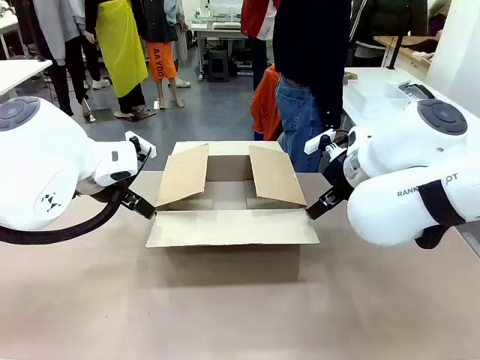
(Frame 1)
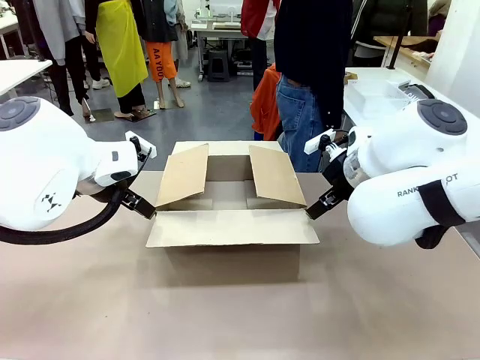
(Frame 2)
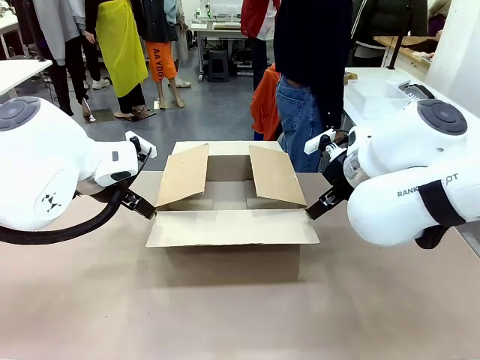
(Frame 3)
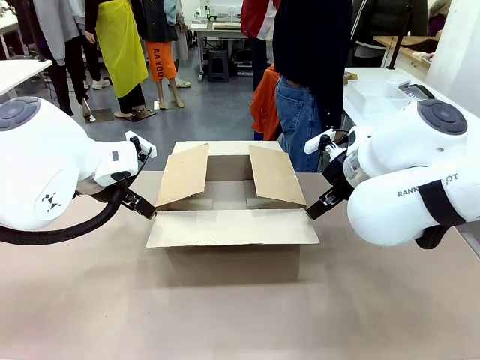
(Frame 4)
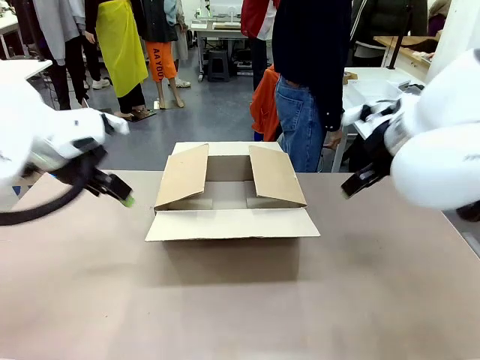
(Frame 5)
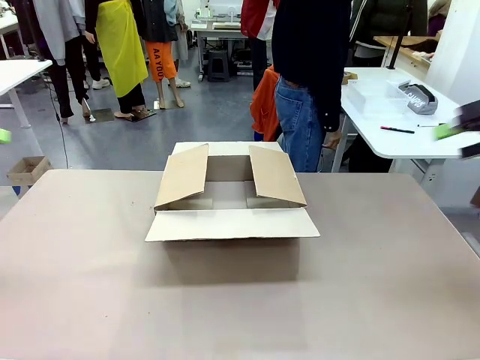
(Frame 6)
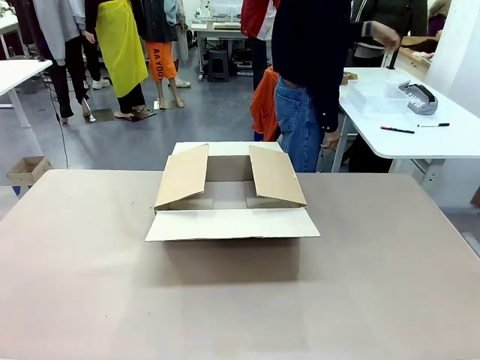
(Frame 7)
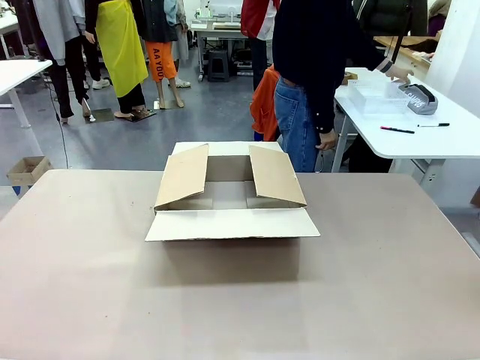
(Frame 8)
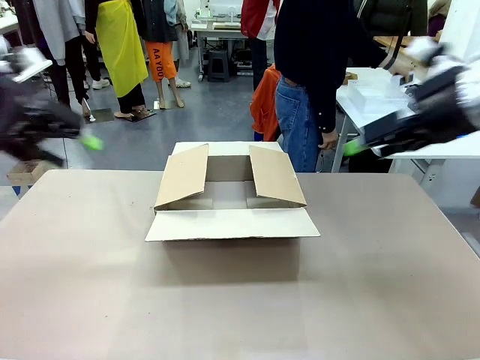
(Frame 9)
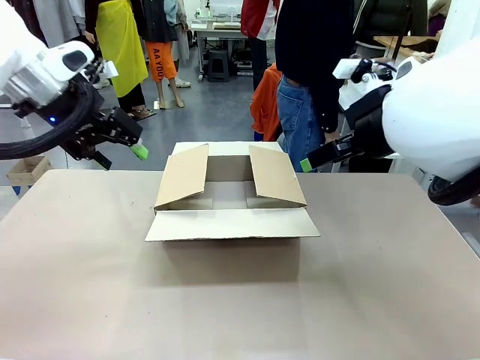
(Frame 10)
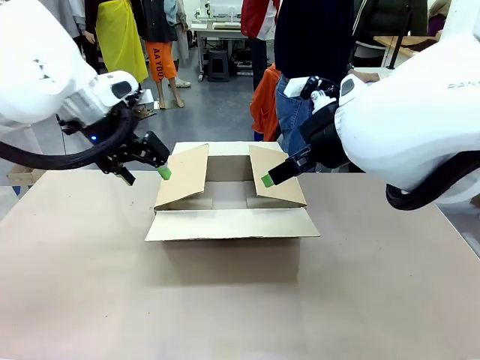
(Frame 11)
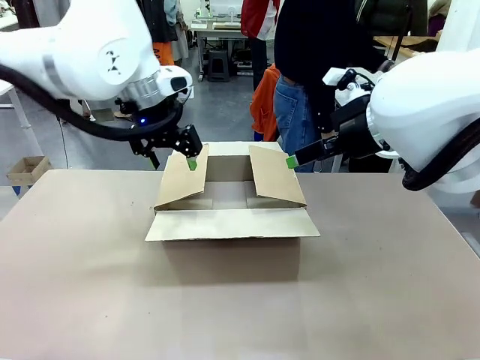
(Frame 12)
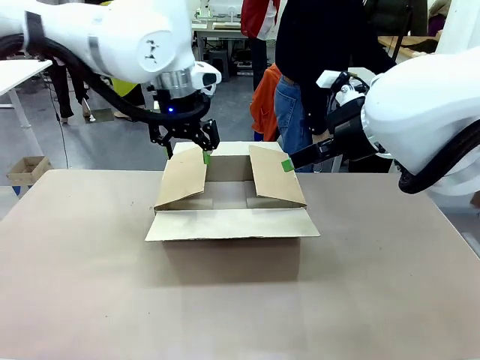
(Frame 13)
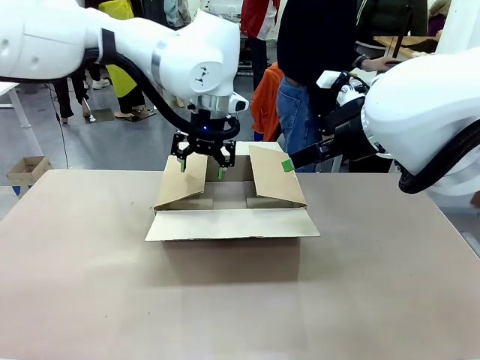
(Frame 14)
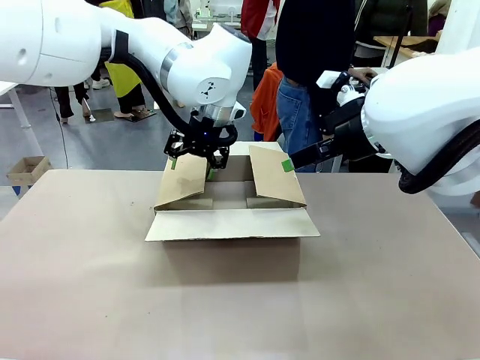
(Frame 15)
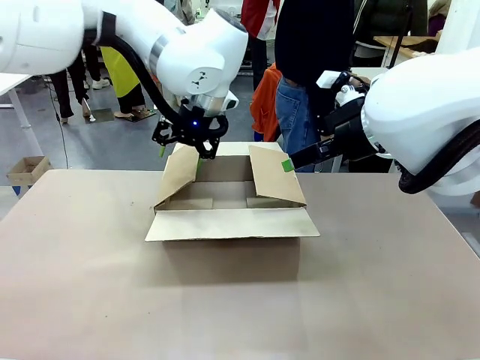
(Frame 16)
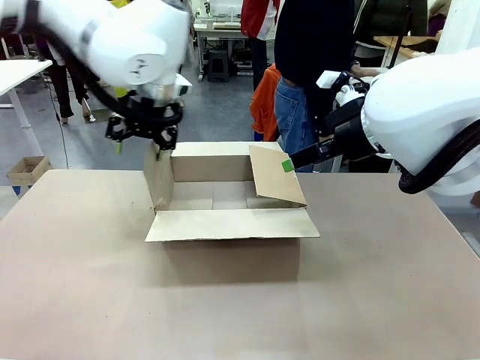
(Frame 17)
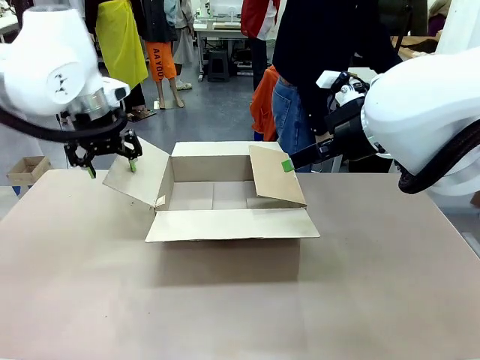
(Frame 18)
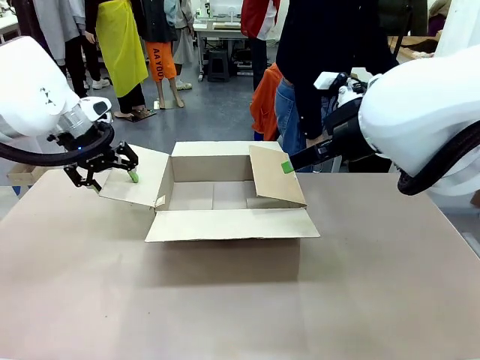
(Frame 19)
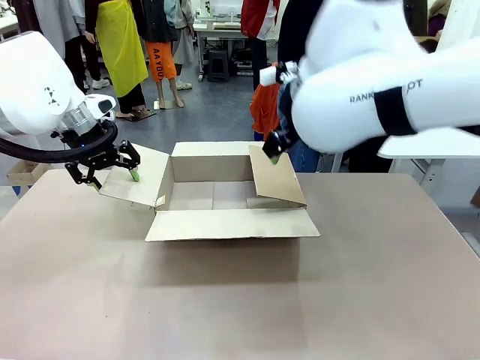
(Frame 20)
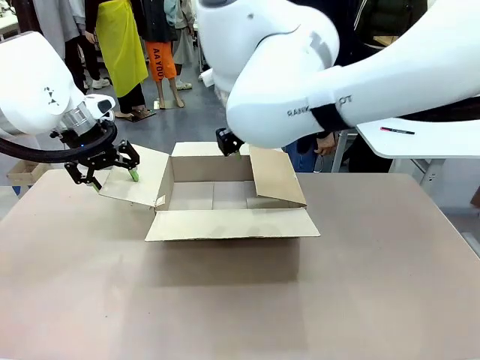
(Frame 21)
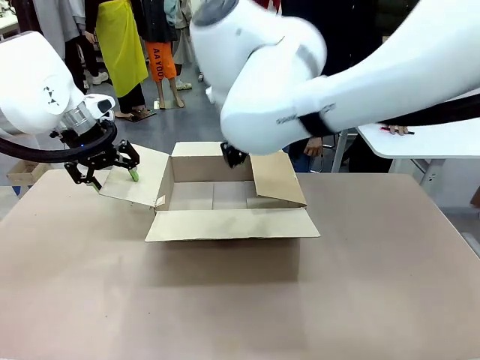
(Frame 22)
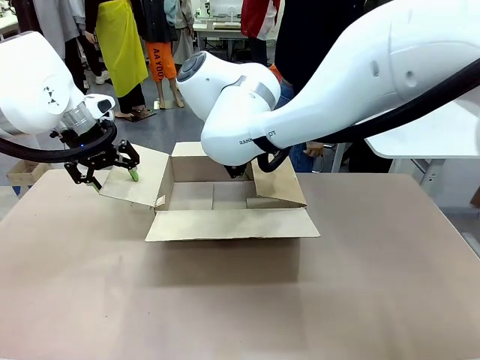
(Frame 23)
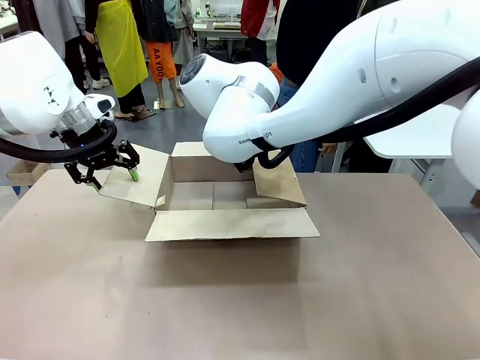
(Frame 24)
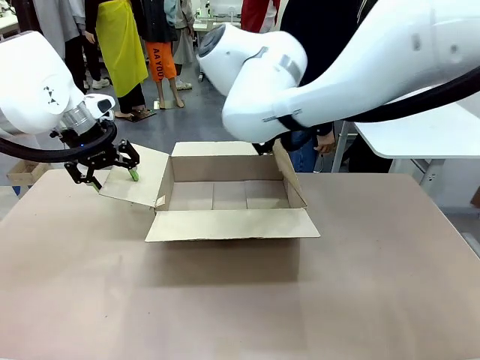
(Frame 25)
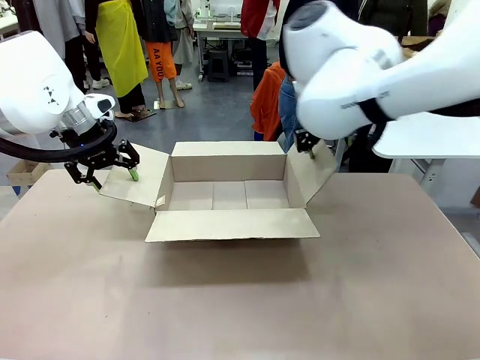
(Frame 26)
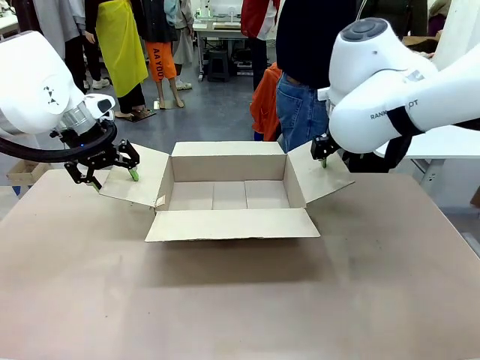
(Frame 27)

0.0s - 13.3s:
Task: Pack the gift set into the box.
Robot: Place both hands on the side flaps of the Package Box and spread them outward.
Person: The human places all items except the paper tape into the organizing basket.

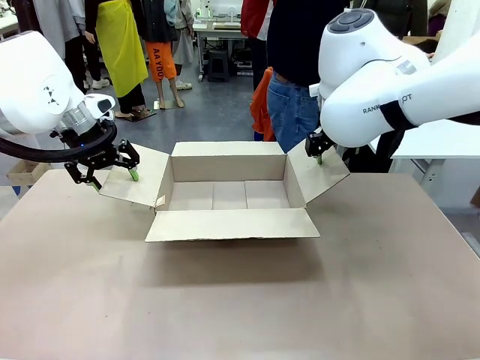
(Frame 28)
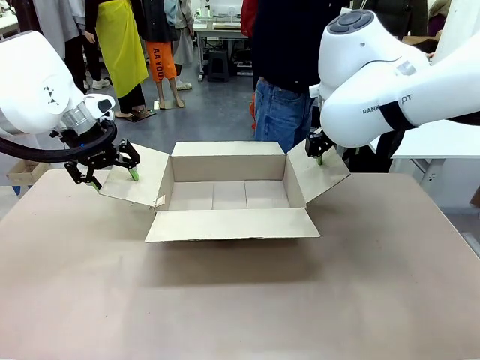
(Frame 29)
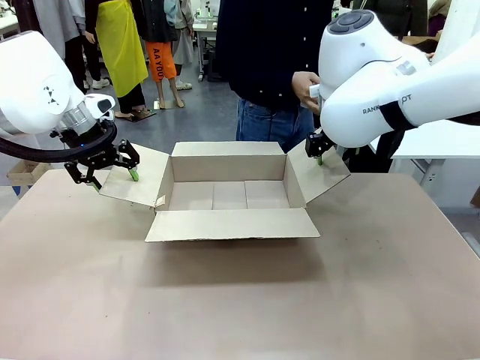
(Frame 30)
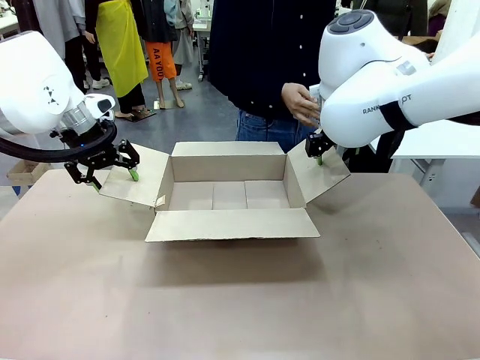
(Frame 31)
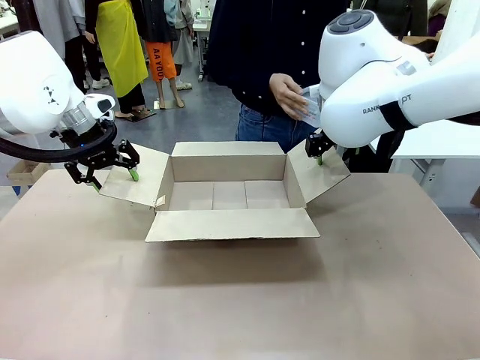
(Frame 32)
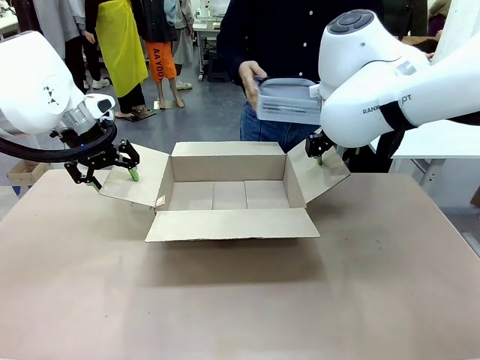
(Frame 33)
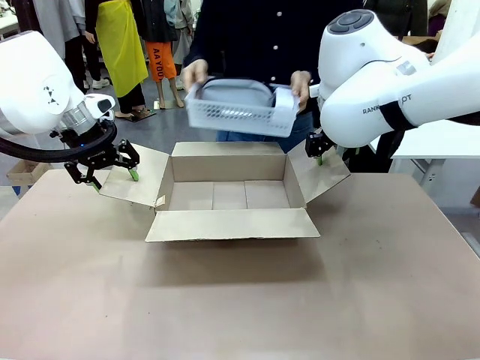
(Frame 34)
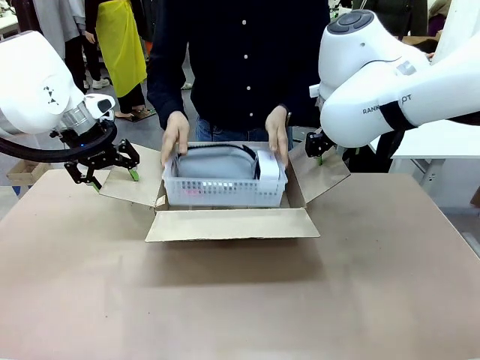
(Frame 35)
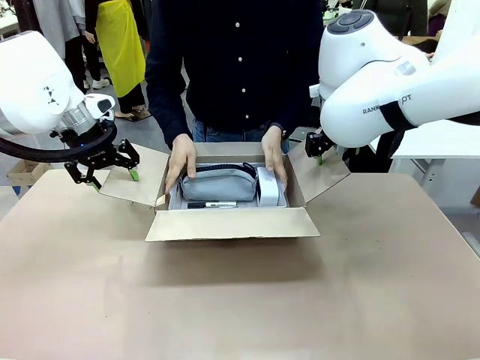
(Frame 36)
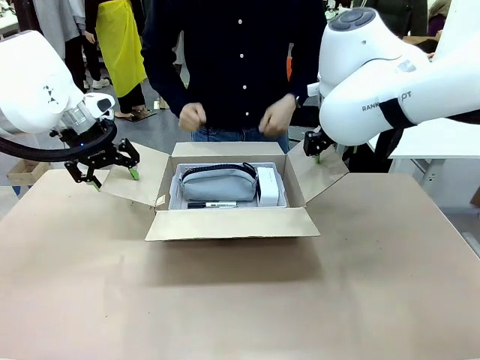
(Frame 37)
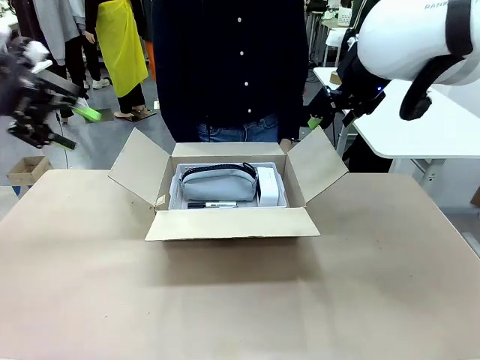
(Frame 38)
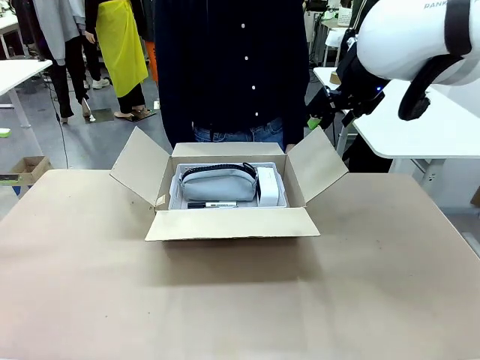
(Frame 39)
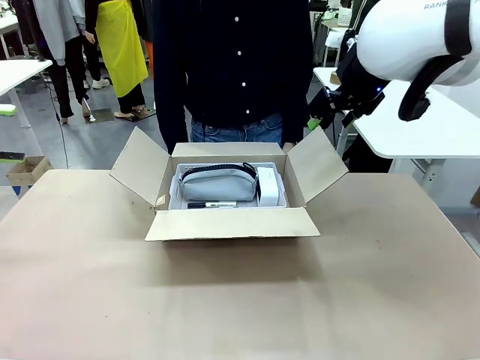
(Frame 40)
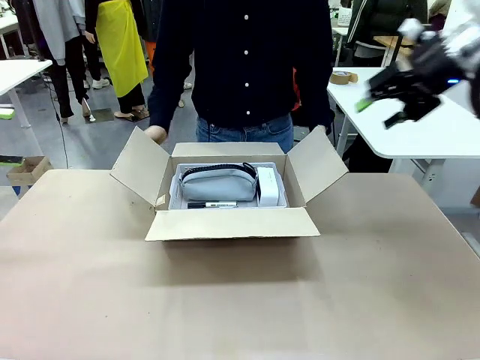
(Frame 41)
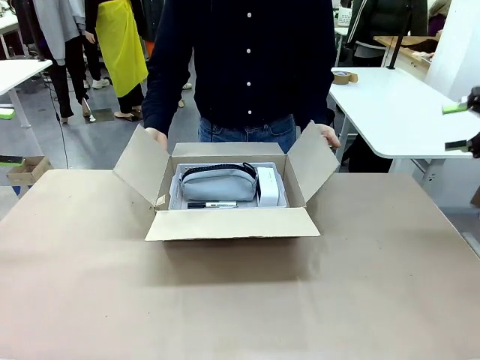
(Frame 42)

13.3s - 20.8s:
Robot: Lift both hands away from the flaps of the Package Box.
Person: The human picks up the organizing basket and places the organizing basket into the package box on the robot table.

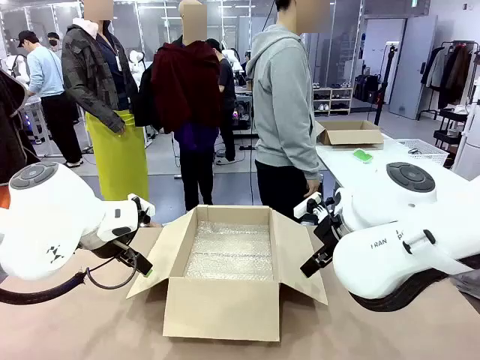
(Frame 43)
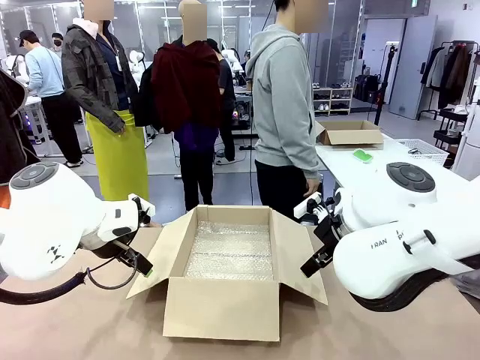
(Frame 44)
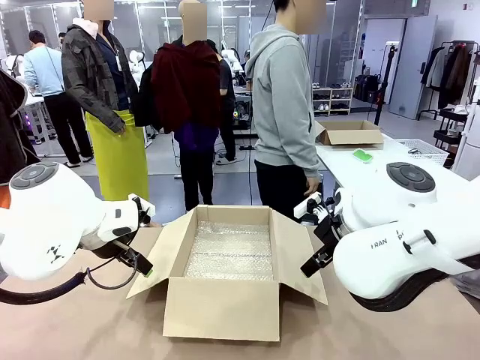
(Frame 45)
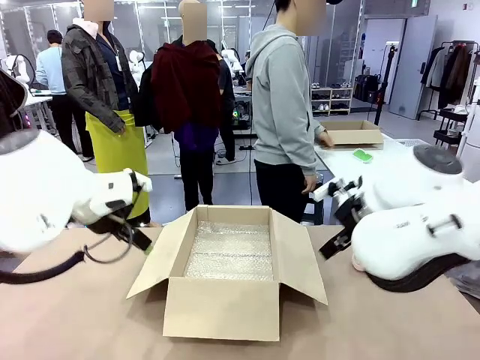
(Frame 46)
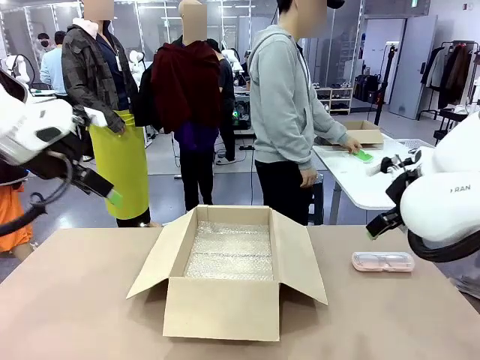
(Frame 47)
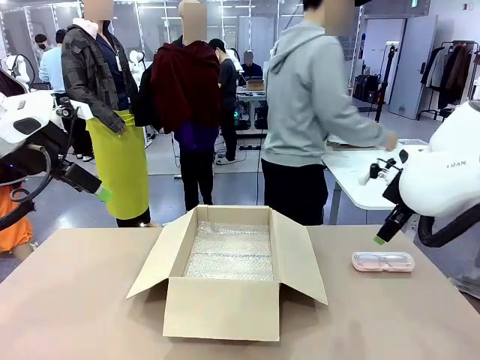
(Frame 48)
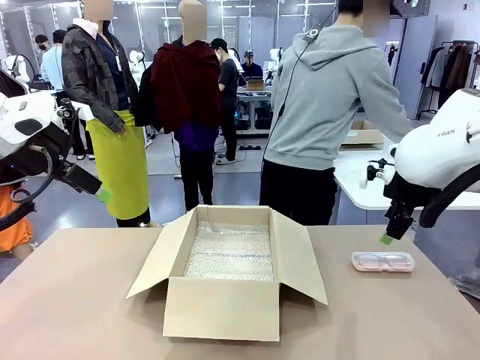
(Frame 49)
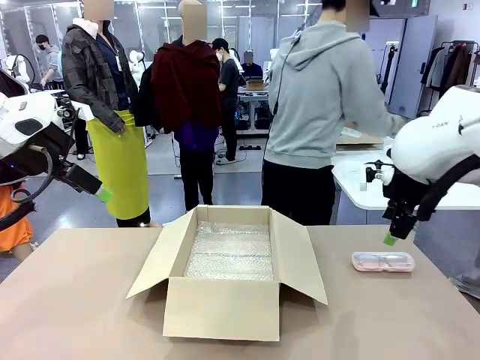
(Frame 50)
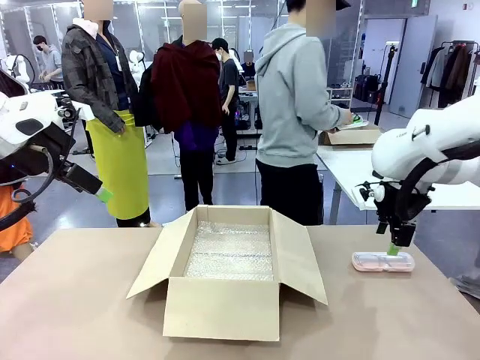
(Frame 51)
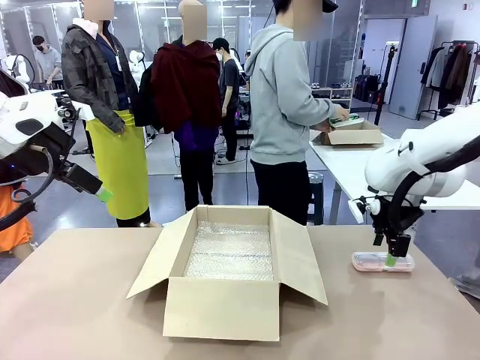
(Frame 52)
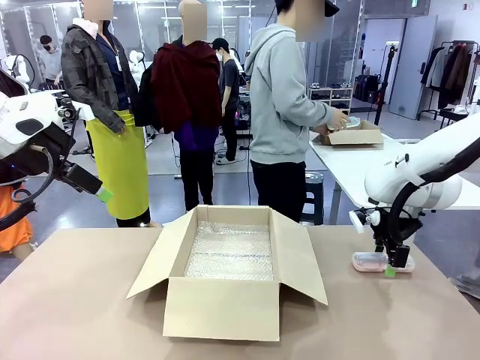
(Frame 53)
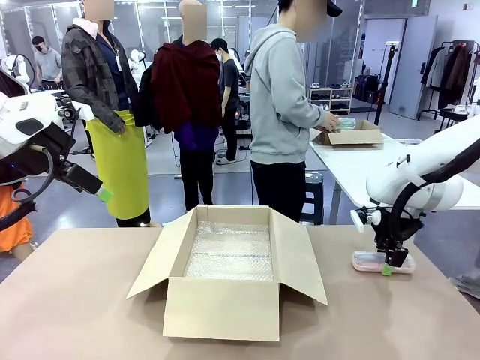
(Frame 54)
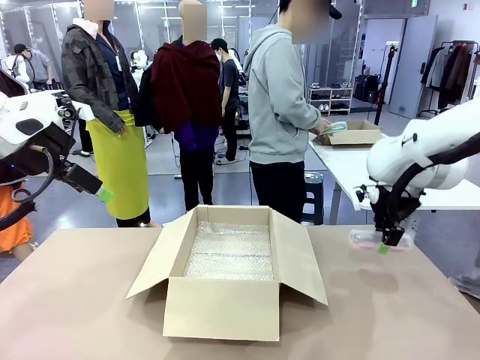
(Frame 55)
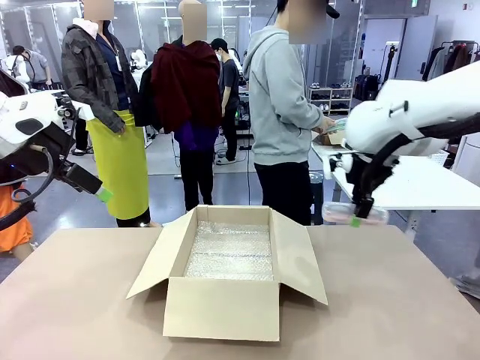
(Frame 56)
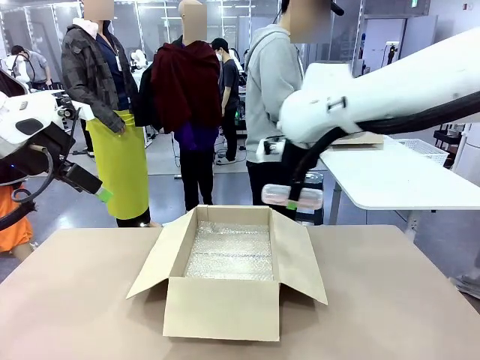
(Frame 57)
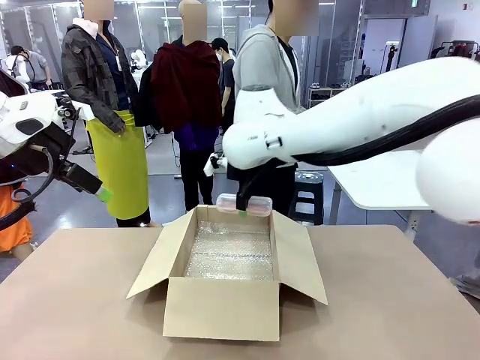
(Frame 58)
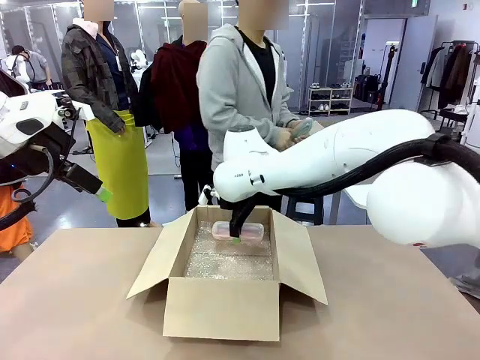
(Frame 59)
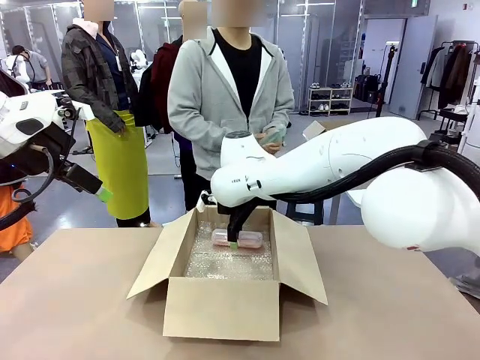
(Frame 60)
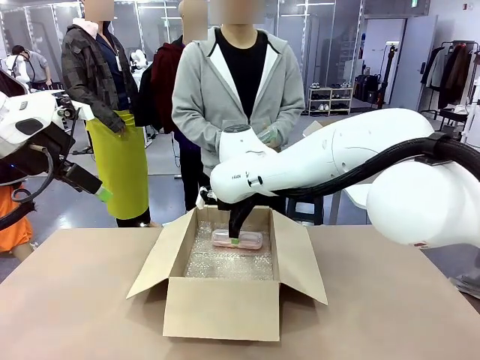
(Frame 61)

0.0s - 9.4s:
Task: Pack the glasses set securely to prepare it for shipping.
Robot: Place the Glasses case inside the Package Box.
Person: Place the Glasses inside the Glasses case.
